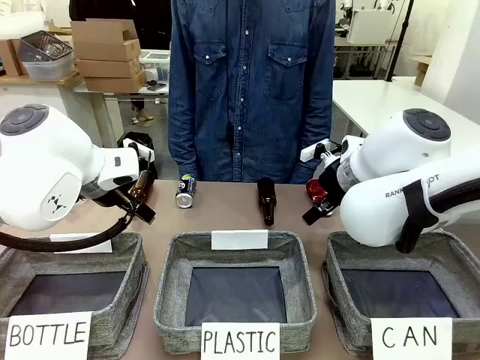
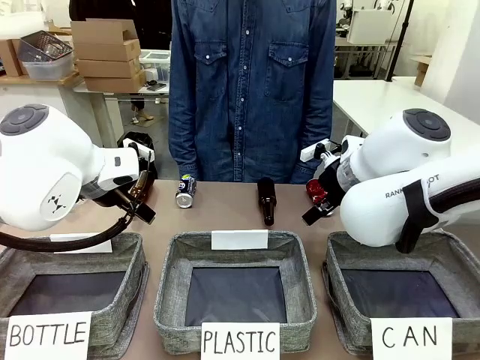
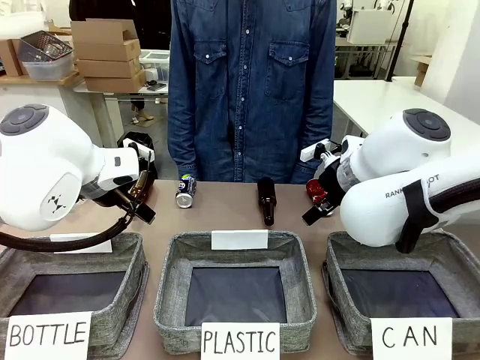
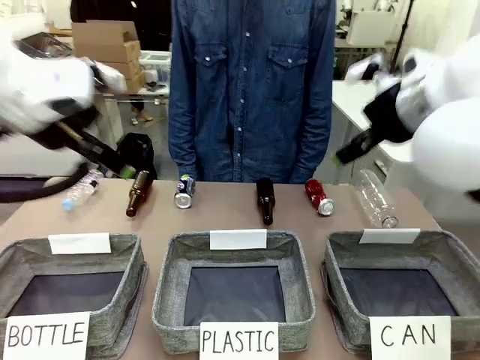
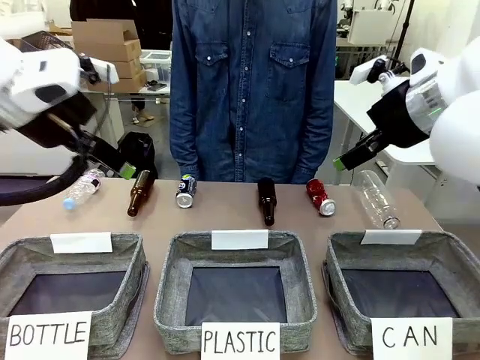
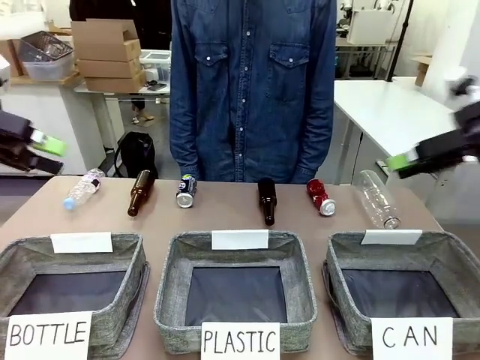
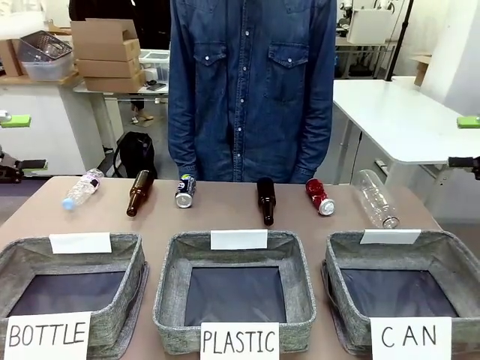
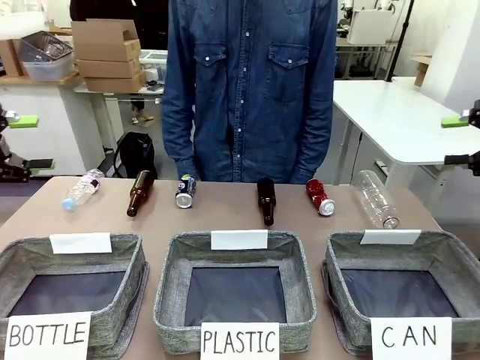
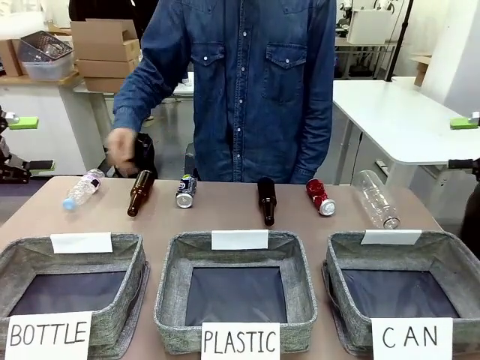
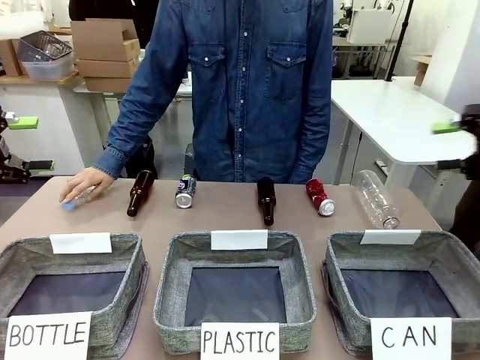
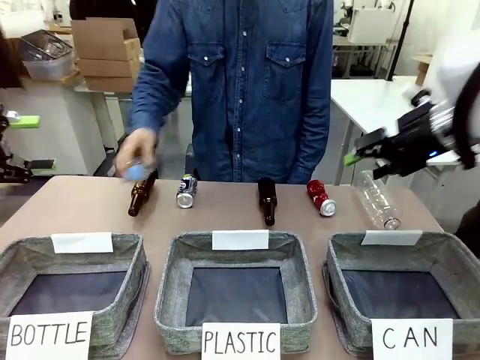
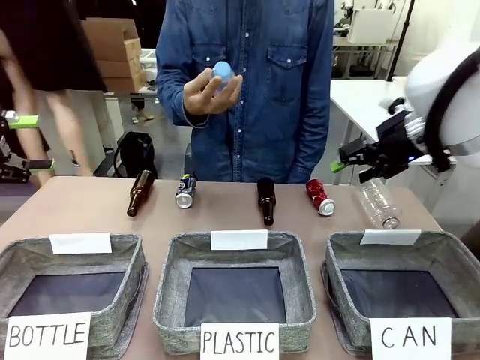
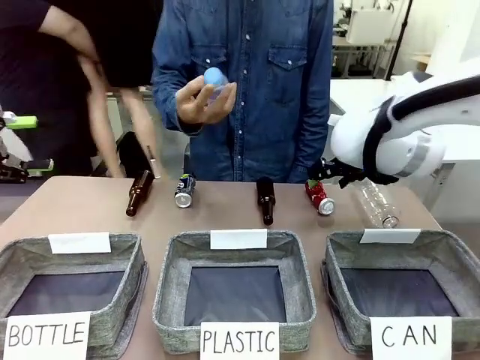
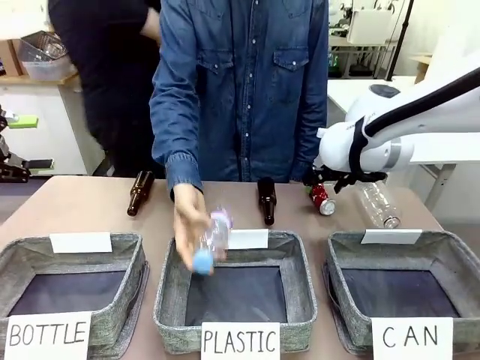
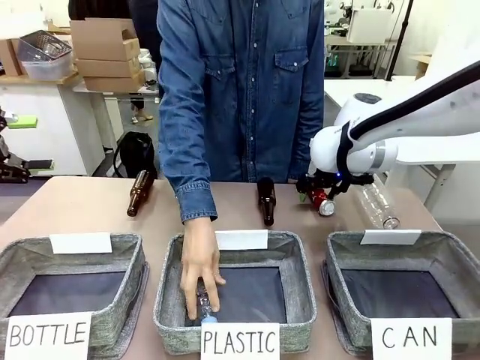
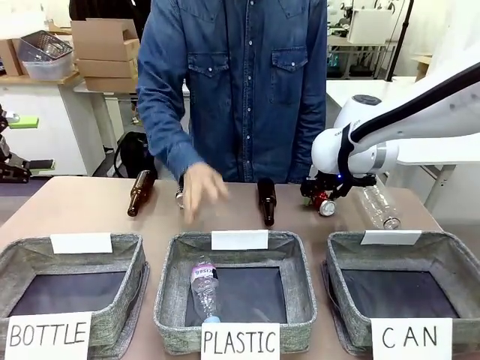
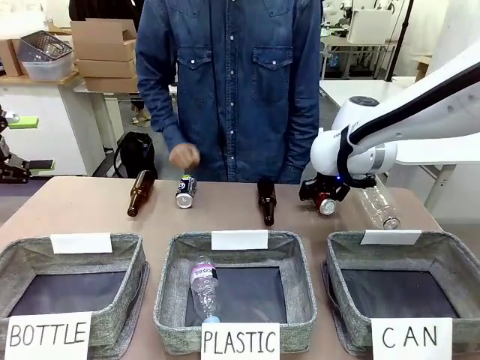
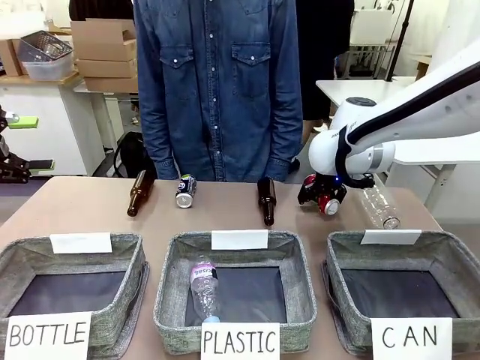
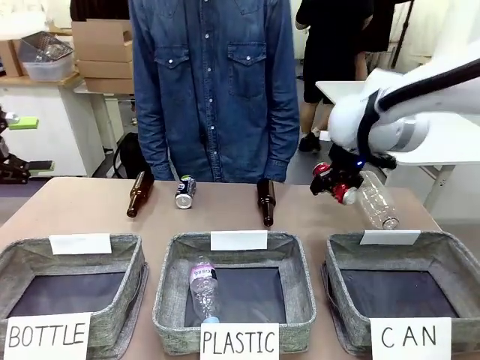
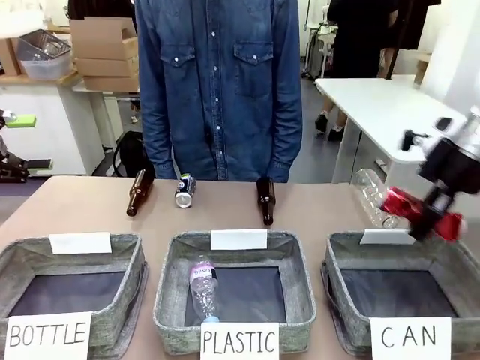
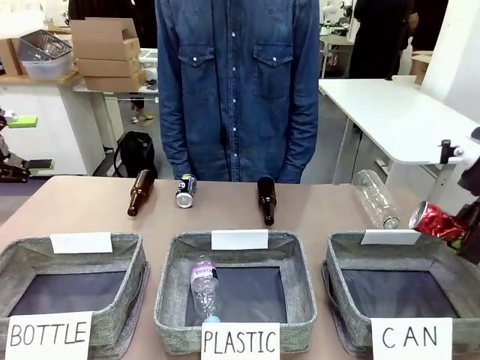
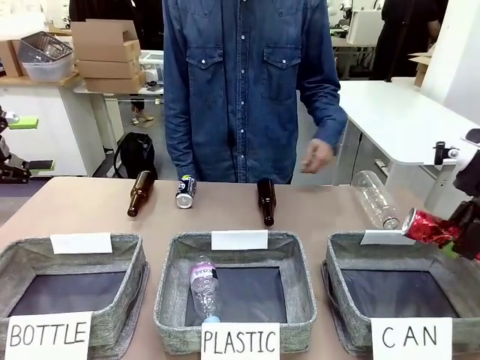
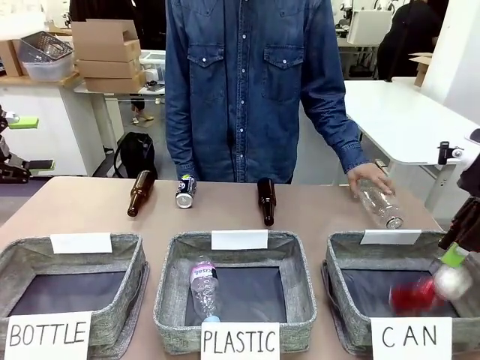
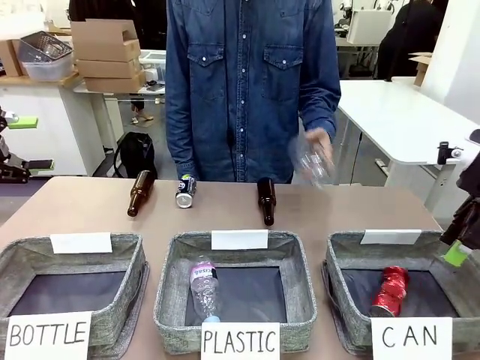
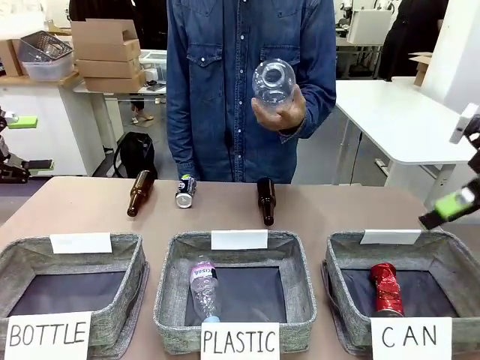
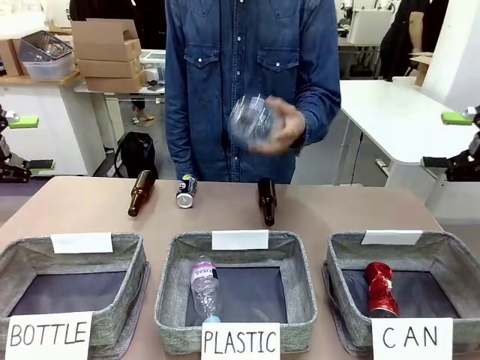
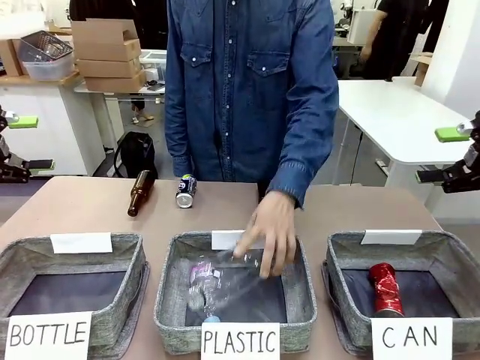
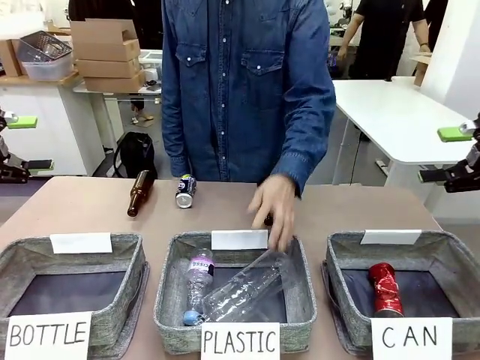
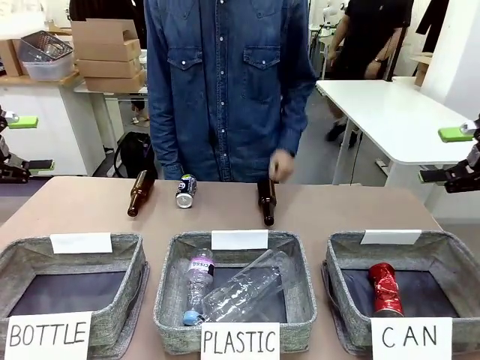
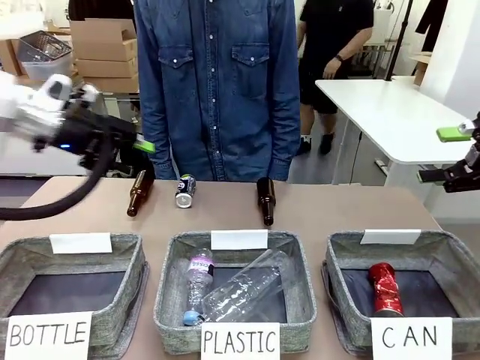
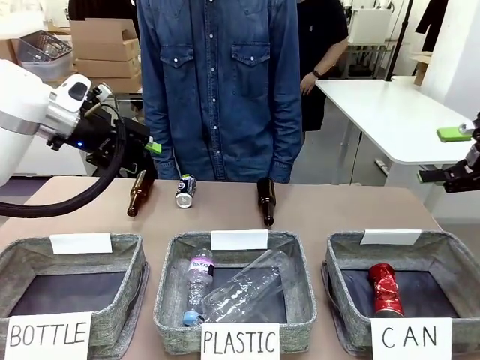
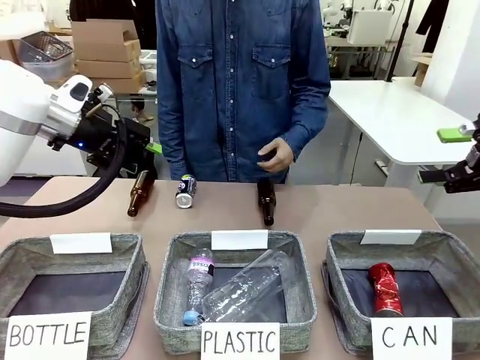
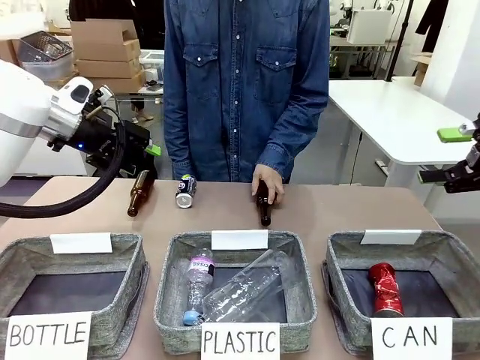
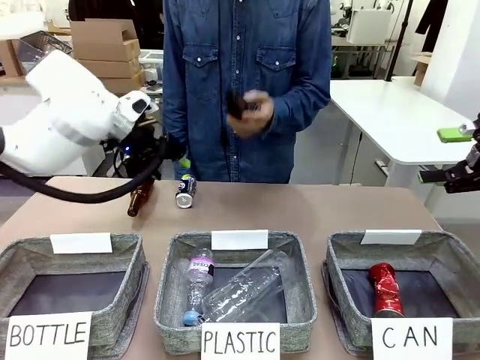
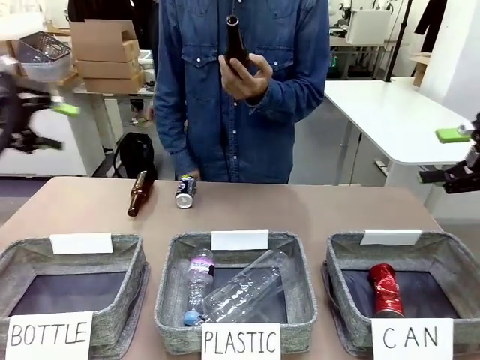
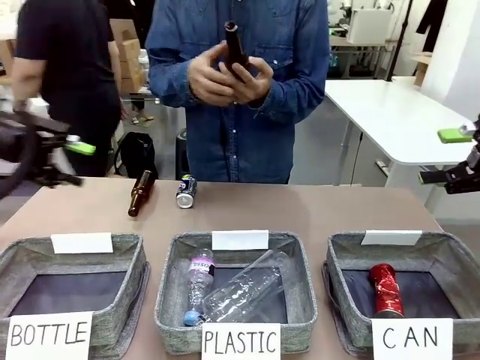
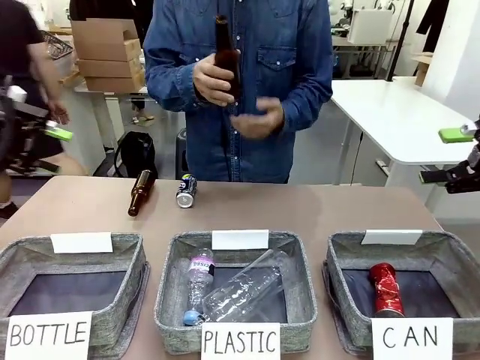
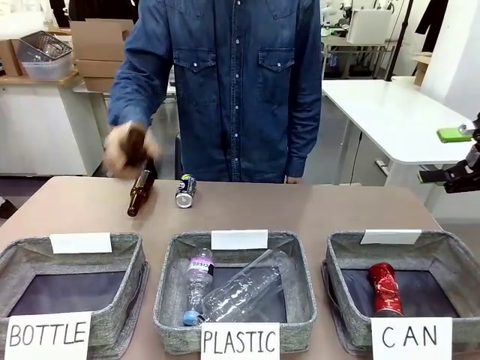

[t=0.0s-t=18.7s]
Task: Sort the can waste into the basket.
Robot: Pick up the can waste from the table and place it in the right Fabric basket.
